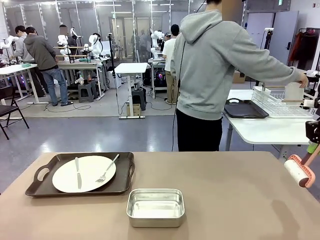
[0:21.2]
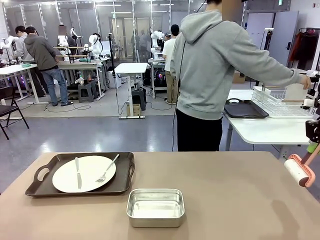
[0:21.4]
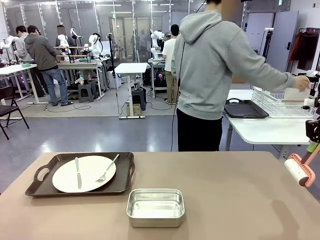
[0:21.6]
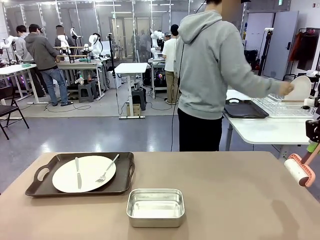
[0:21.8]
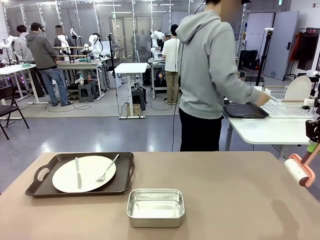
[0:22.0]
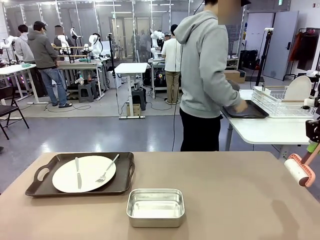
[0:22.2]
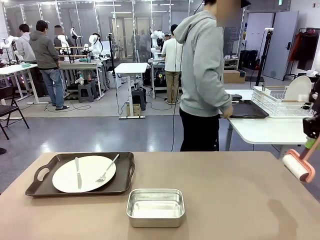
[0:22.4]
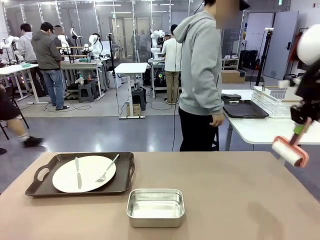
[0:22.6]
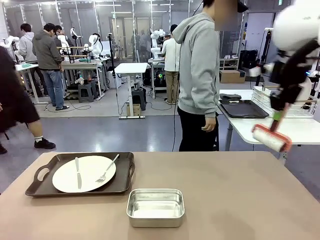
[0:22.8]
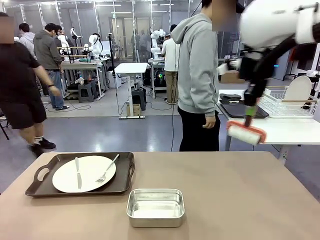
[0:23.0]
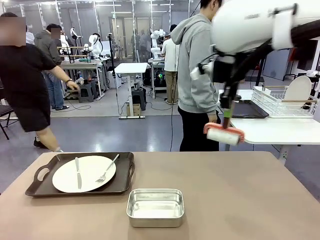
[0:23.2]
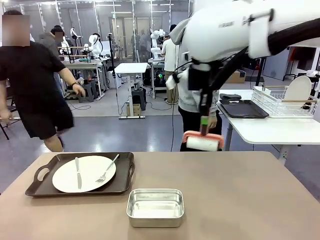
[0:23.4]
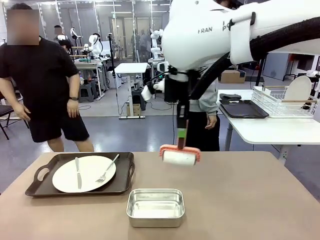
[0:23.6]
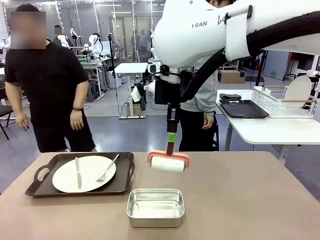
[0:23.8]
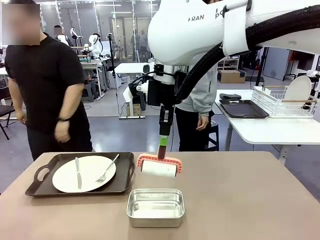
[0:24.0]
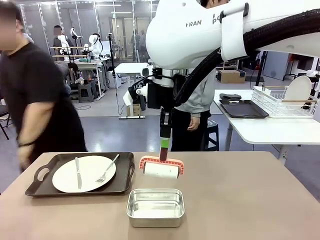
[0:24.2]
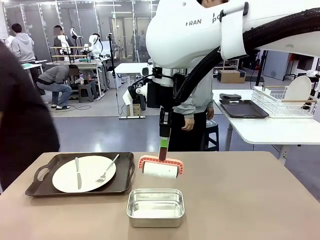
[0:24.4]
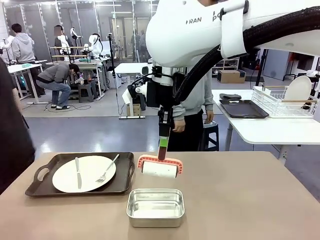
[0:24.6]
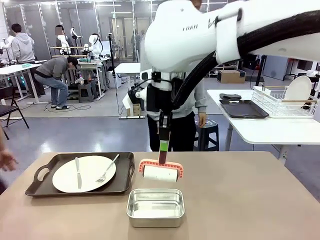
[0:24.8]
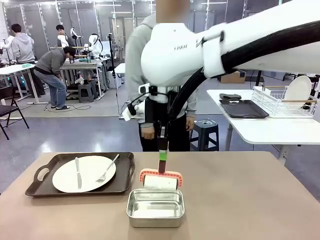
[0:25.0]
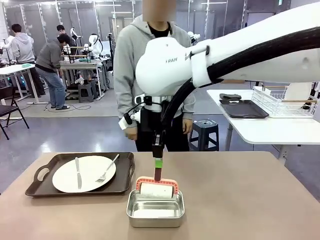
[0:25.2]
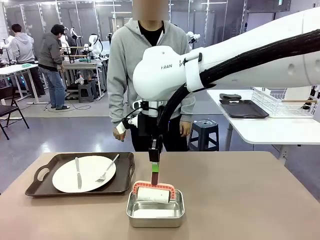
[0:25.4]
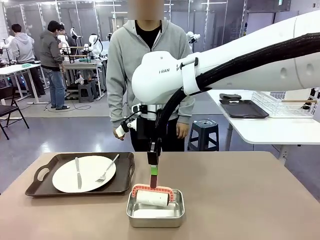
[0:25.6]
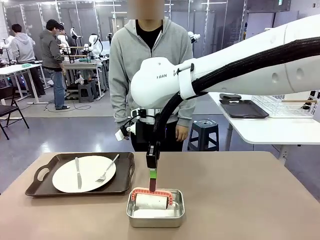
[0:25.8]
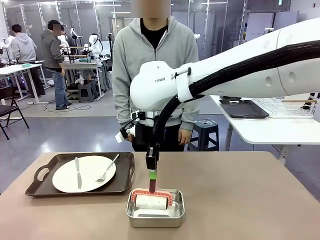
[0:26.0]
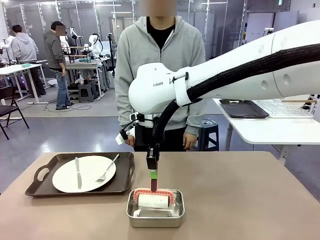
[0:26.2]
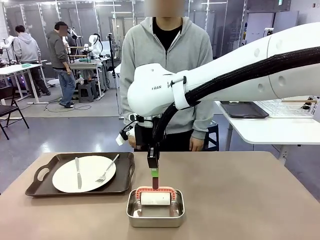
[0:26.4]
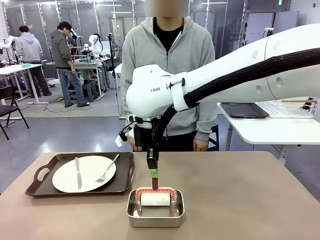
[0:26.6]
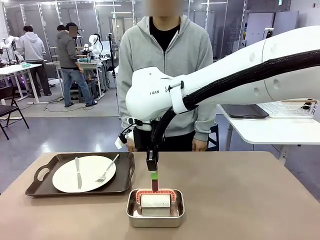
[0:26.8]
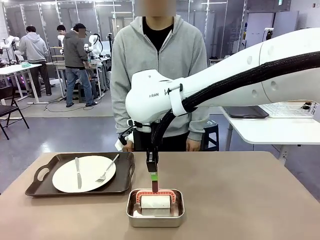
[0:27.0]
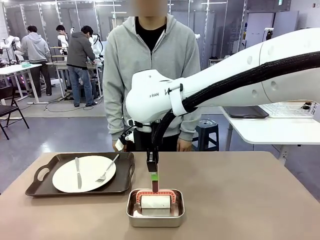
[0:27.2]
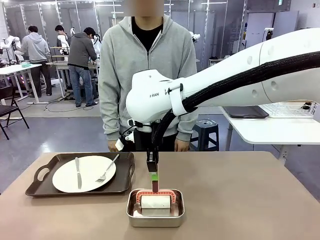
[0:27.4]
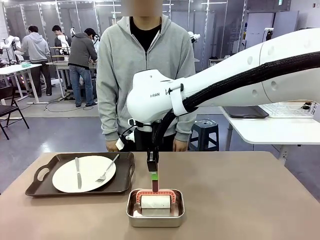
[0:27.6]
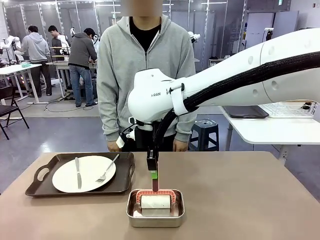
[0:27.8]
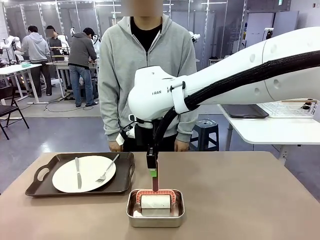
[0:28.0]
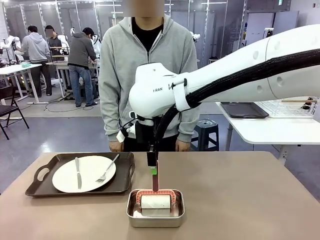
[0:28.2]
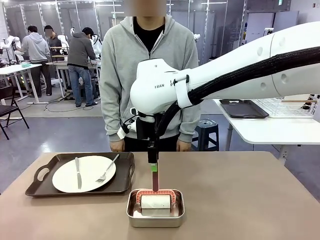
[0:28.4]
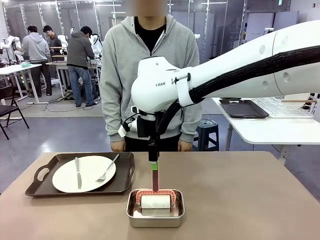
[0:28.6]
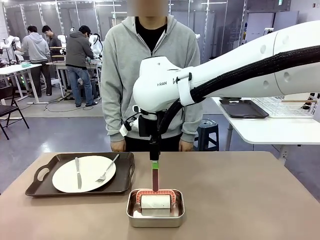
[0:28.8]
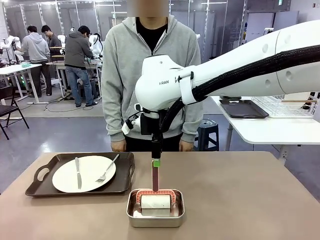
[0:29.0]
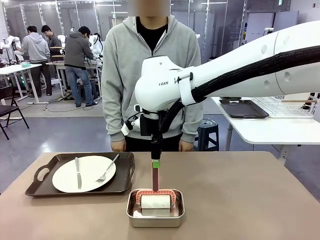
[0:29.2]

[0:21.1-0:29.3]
Robot: Place the Lint Roller back on top of the Airtight Container.

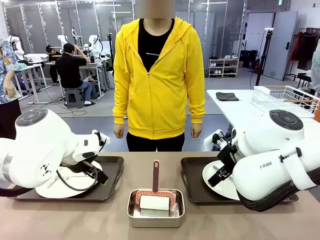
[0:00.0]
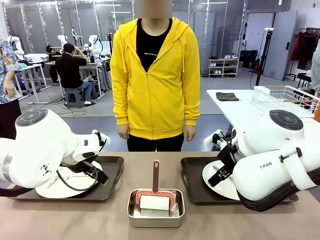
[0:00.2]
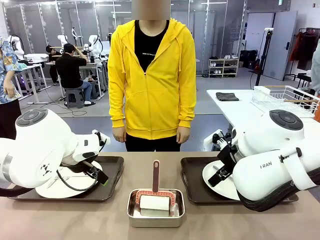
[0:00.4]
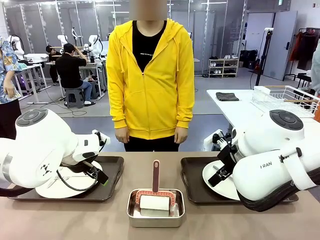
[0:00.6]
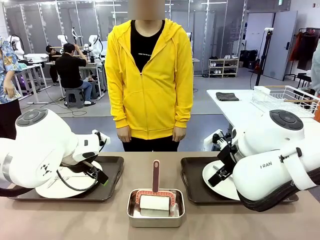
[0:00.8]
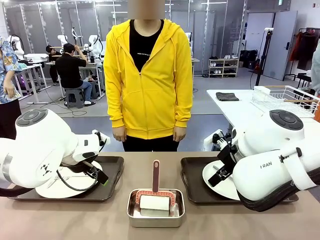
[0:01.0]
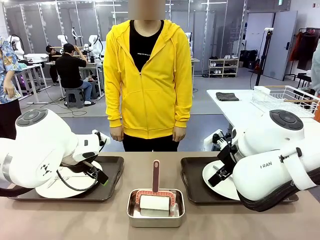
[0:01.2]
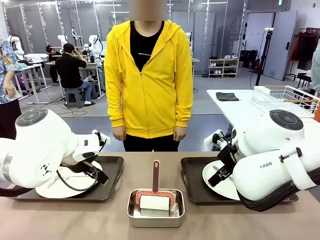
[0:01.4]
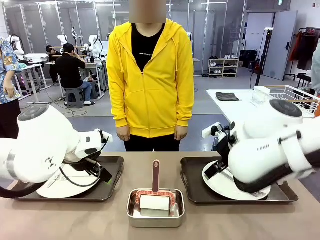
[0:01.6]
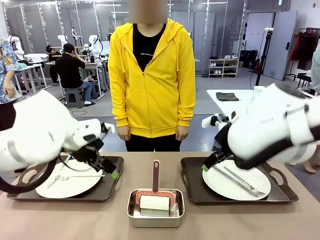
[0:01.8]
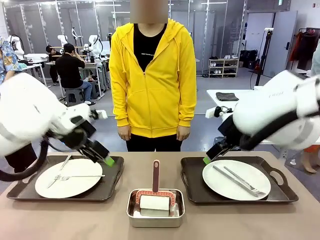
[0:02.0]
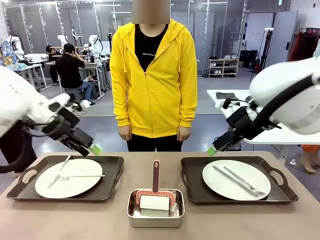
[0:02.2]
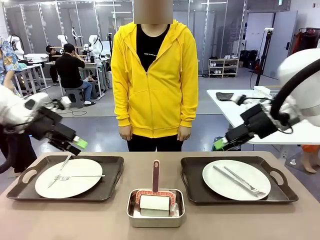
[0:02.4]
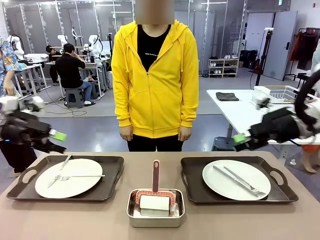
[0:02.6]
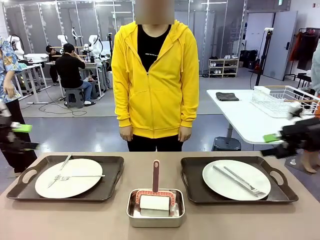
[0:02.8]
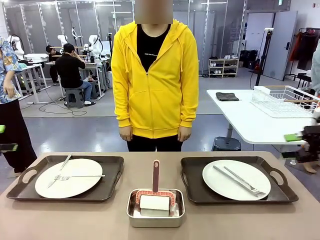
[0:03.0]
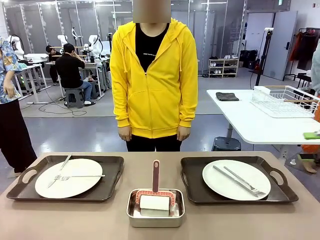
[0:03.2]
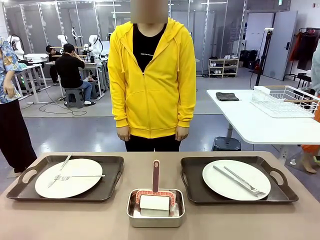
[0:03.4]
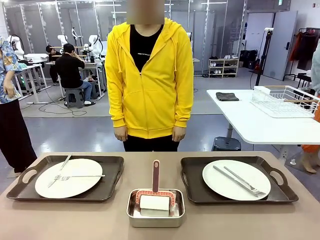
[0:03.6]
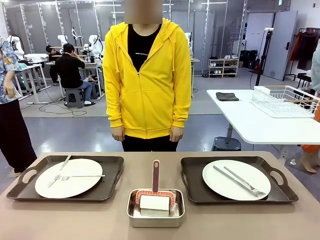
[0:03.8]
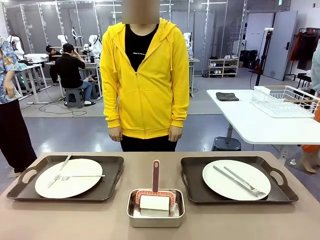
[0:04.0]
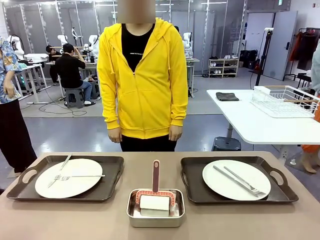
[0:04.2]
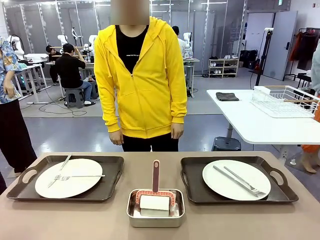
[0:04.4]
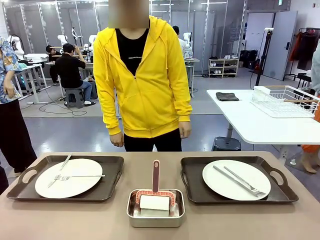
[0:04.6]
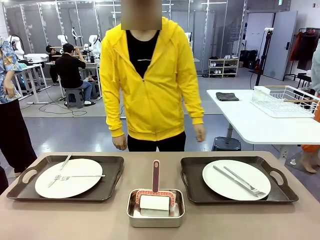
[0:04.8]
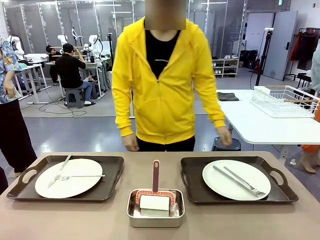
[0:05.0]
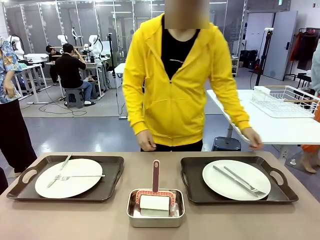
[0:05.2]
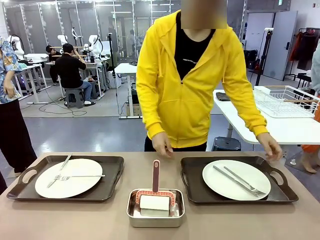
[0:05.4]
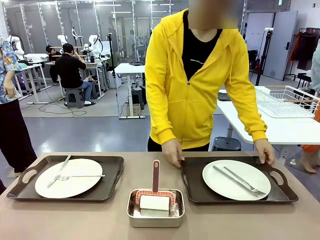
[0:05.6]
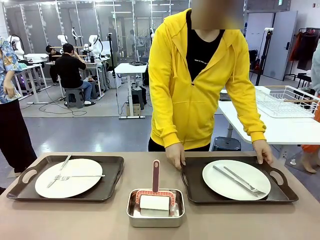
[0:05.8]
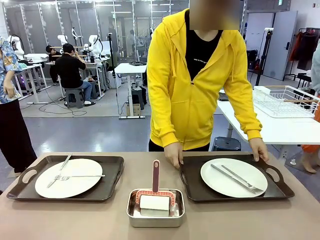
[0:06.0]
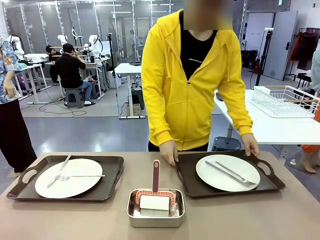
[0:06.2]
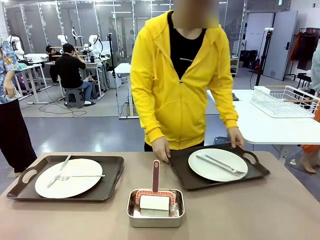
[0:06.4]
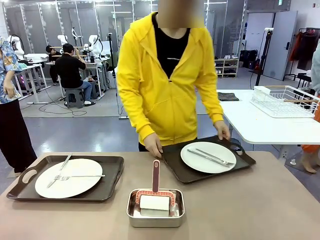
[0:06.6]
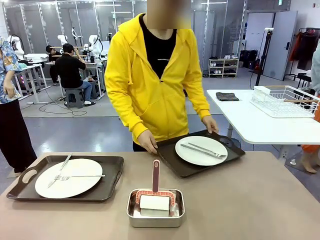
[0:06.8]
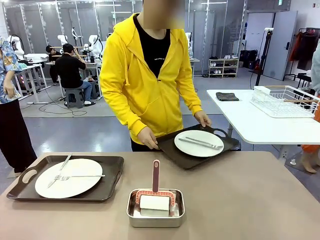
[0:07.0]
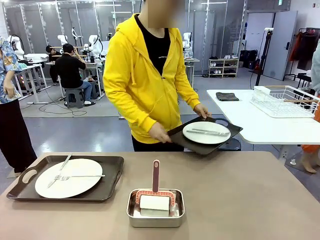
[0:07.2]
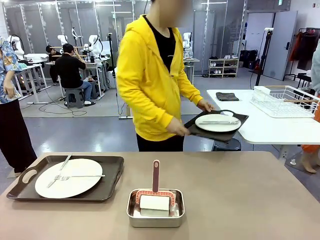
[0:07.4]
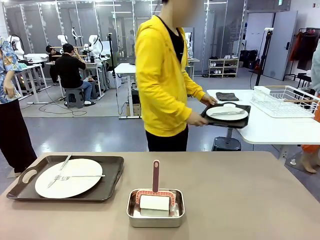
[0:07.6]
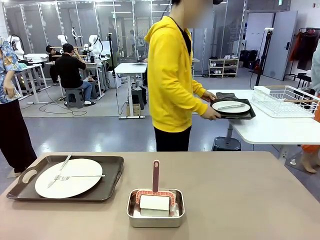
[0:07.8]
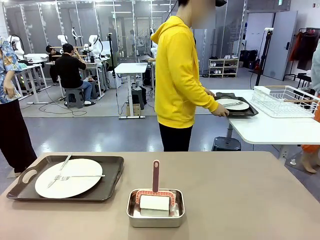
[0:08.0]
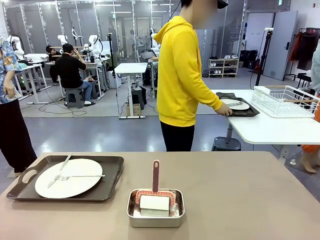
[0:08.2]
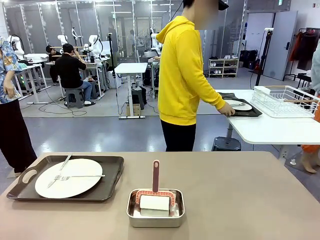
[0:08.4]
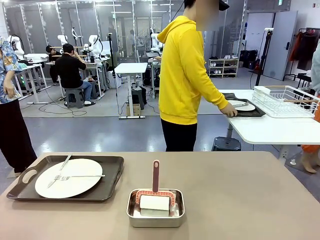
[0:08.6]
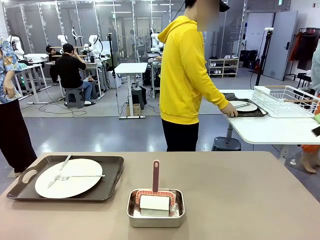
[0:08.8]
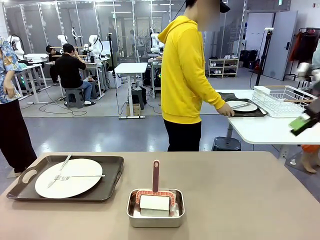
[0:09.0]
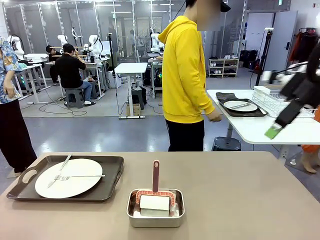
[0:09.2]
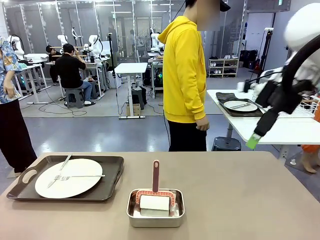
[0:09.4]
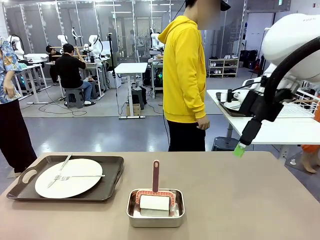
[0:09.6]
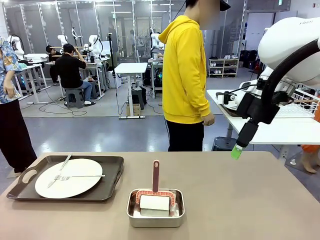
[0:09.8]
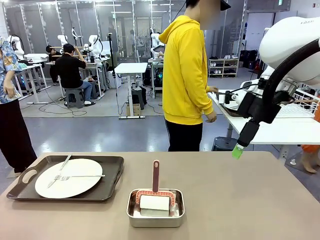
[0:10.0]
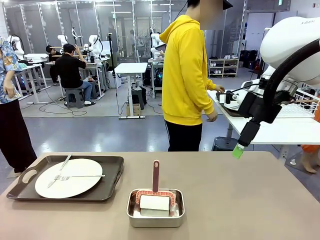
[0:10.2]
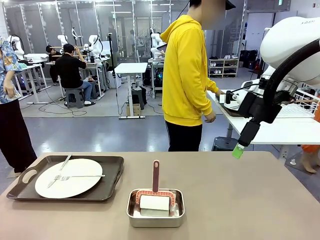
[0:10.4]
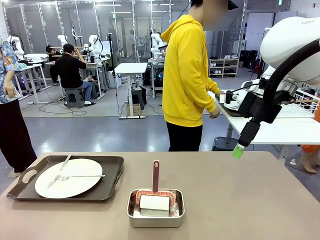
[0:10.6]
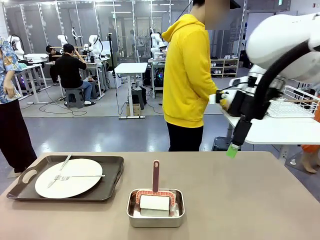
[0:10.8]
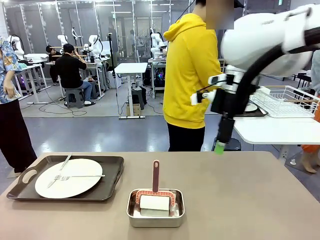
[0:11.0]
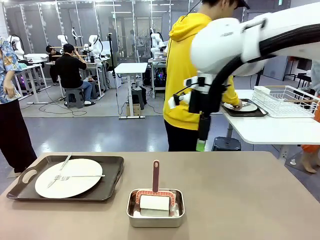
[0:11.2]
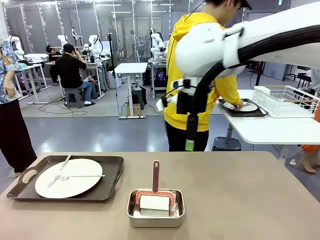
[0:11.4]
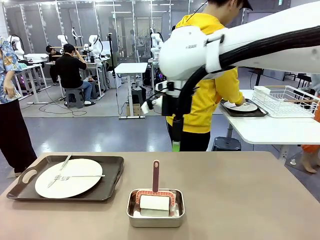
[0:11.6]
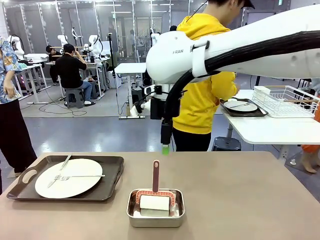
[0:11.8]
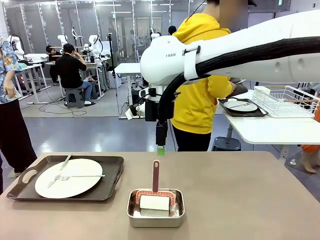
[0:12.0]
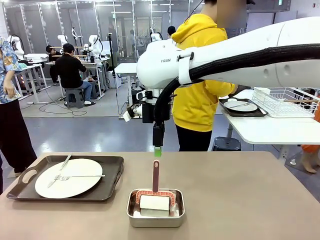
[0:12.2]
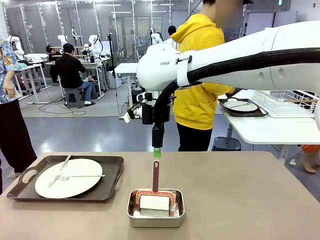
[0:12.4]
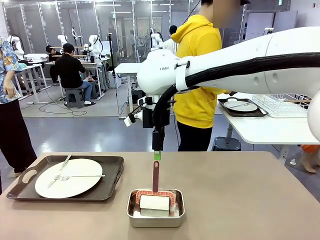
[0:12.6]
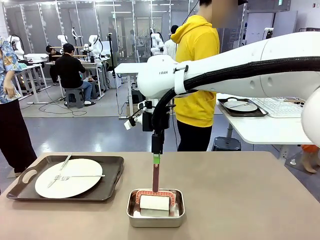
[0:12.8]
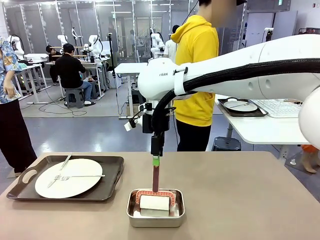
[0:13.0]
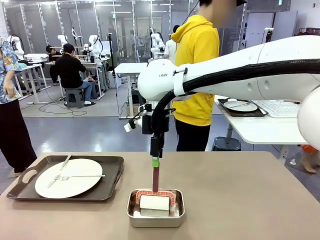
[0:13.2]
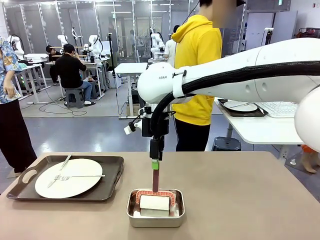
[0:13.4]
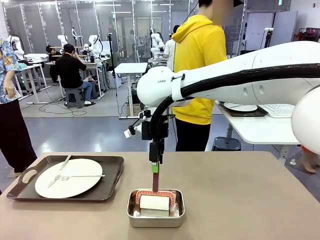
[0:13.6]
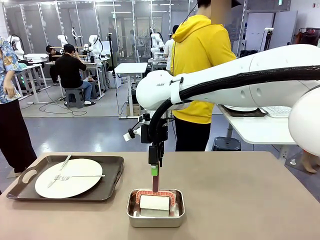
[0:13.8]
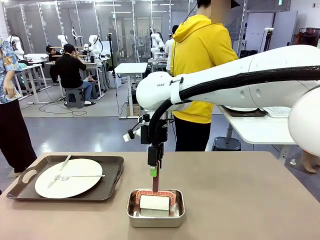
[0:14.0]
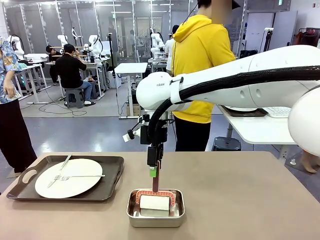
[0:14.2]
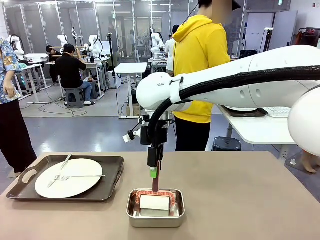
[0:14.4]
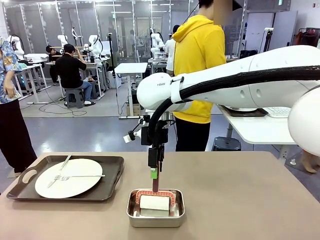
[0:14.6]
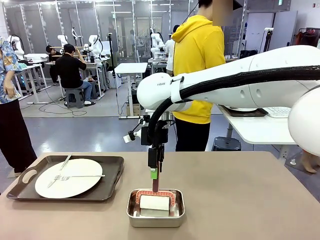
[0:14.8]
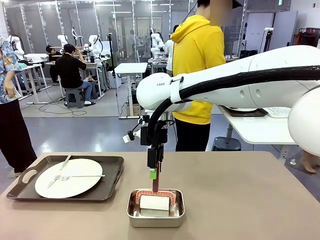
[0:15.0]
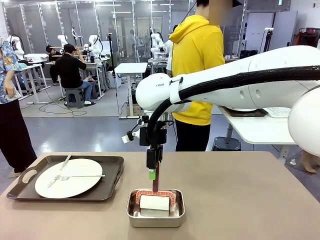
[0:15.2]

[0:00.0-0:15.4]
Robot: When the left (or right) Handle tray is removed, use the left hand (or right hand) to clean the left (or right) side of the table with the Lint Roller.
Person: Pick up the left (or right) Handle tray and place it on the middle of the Human's table.
